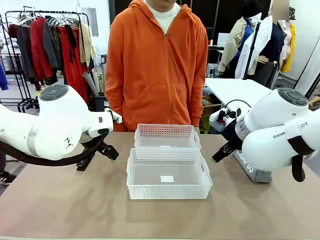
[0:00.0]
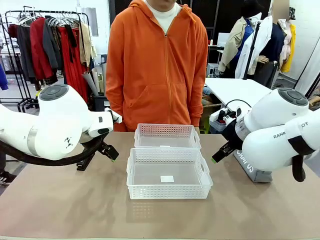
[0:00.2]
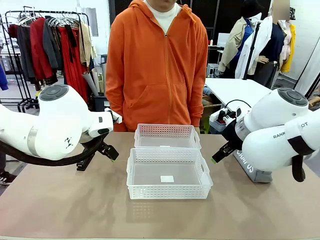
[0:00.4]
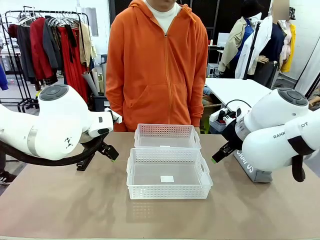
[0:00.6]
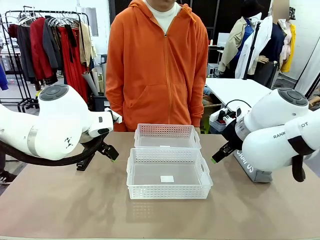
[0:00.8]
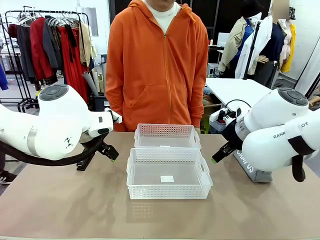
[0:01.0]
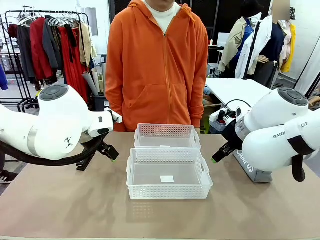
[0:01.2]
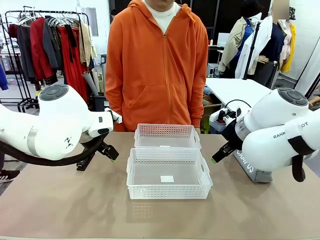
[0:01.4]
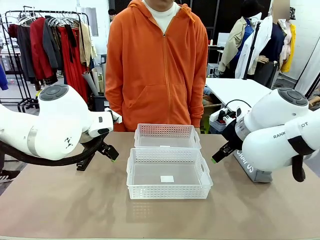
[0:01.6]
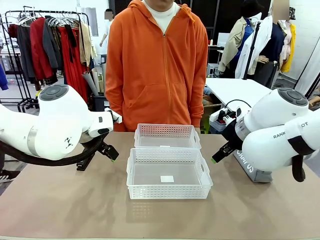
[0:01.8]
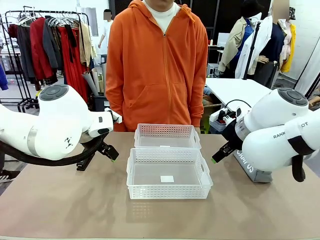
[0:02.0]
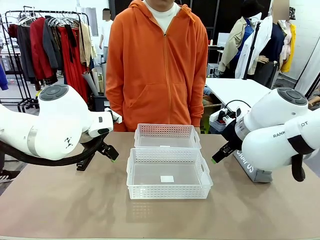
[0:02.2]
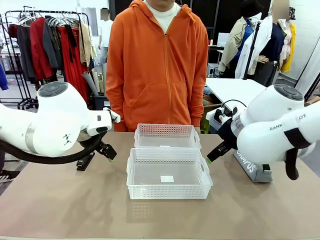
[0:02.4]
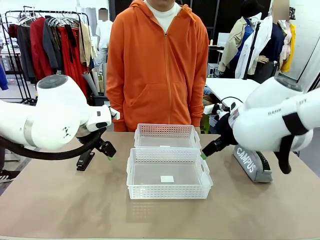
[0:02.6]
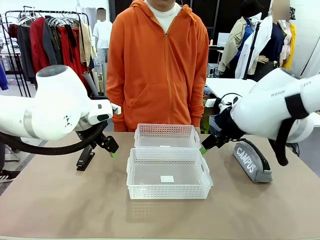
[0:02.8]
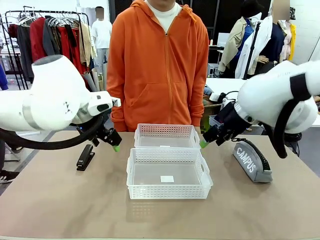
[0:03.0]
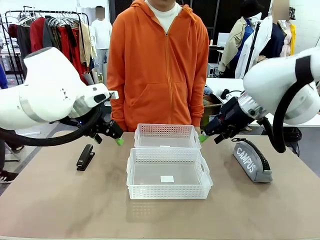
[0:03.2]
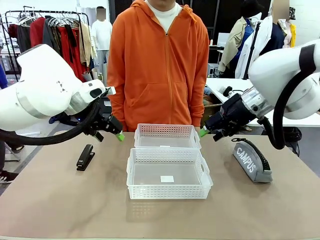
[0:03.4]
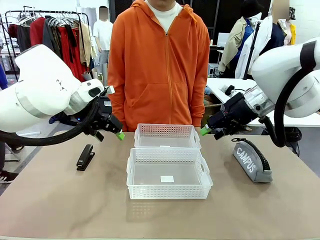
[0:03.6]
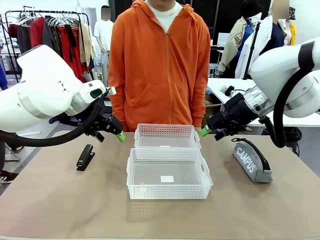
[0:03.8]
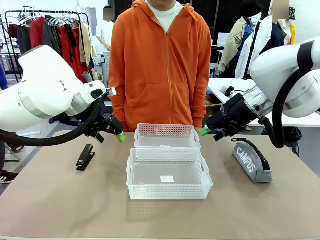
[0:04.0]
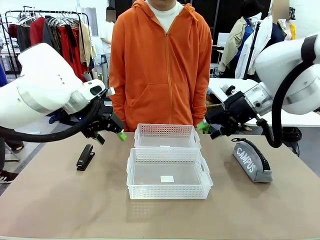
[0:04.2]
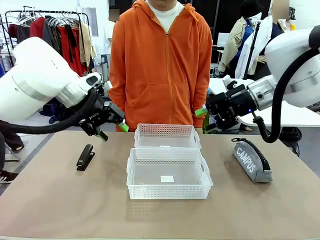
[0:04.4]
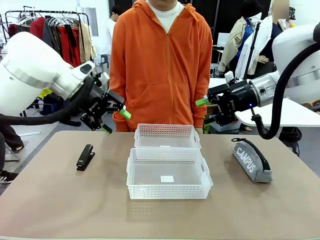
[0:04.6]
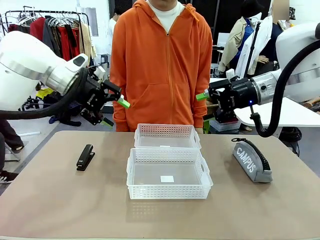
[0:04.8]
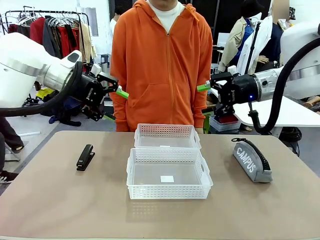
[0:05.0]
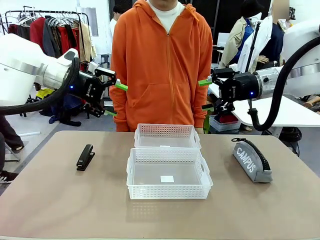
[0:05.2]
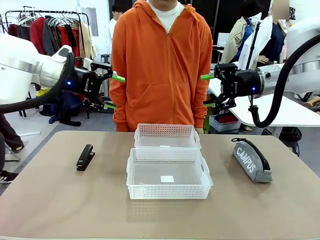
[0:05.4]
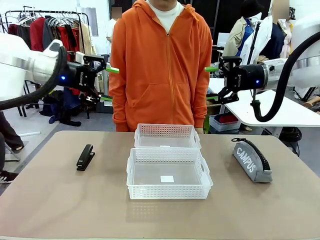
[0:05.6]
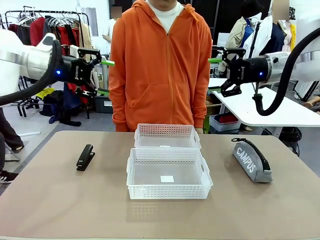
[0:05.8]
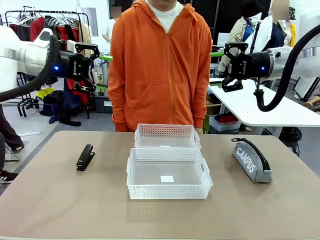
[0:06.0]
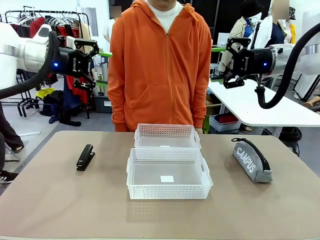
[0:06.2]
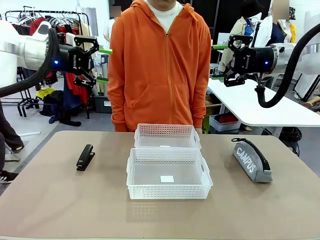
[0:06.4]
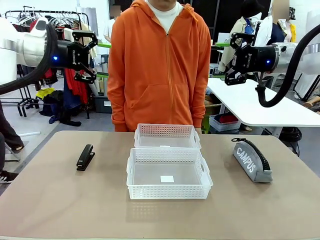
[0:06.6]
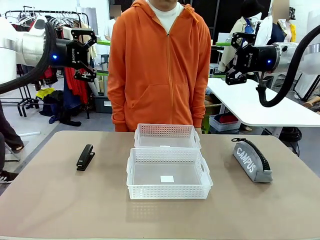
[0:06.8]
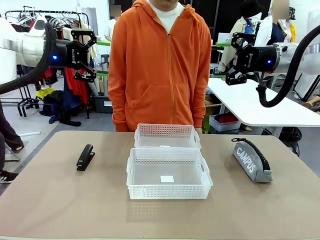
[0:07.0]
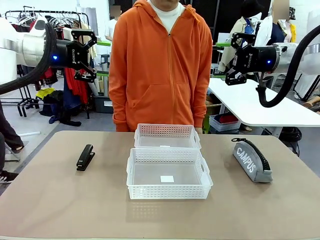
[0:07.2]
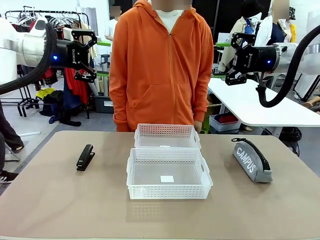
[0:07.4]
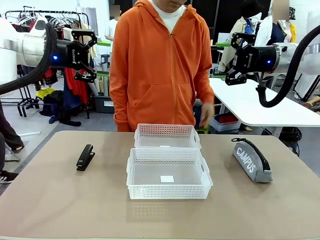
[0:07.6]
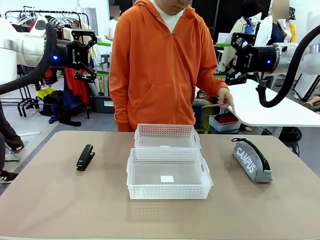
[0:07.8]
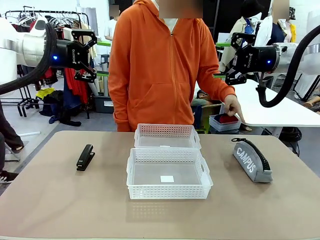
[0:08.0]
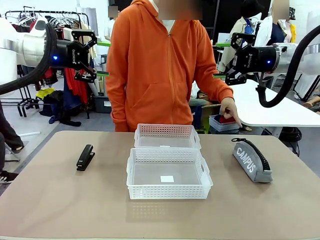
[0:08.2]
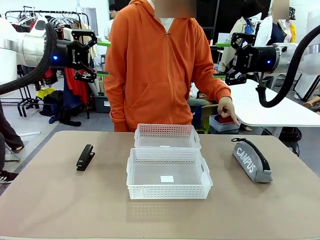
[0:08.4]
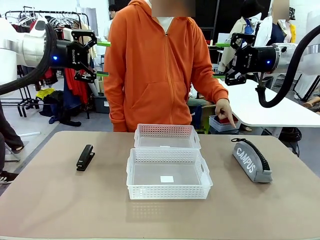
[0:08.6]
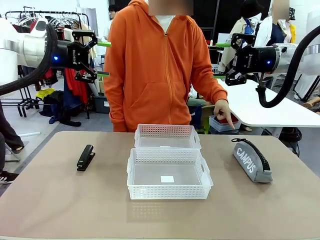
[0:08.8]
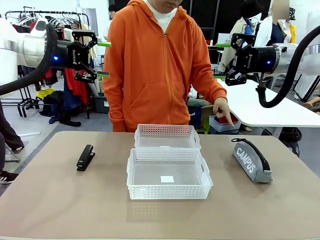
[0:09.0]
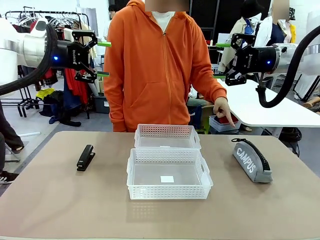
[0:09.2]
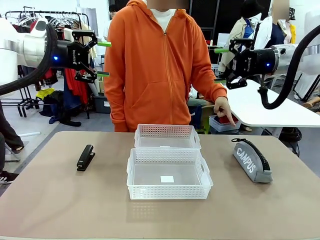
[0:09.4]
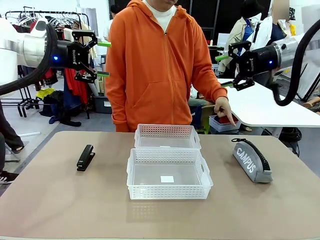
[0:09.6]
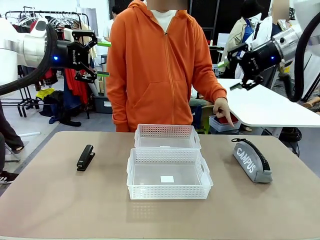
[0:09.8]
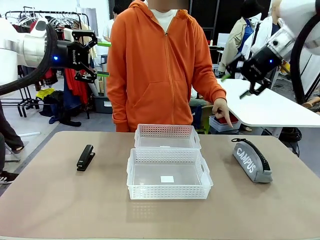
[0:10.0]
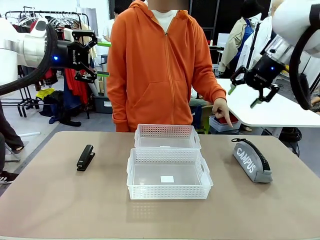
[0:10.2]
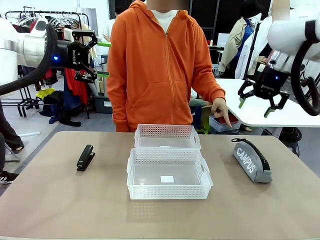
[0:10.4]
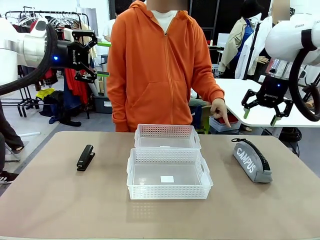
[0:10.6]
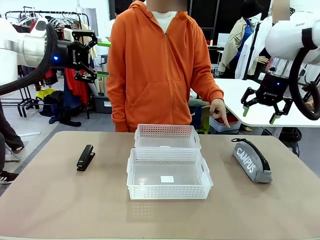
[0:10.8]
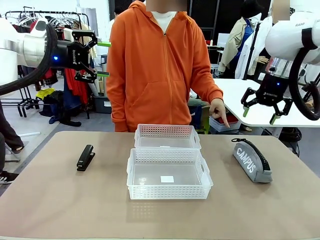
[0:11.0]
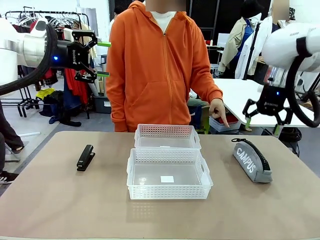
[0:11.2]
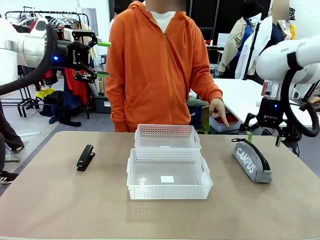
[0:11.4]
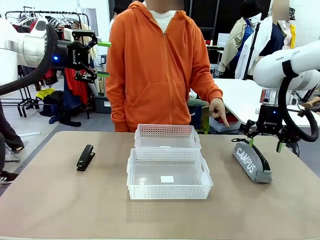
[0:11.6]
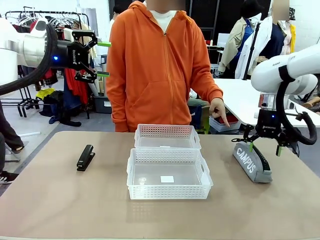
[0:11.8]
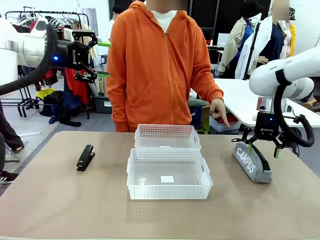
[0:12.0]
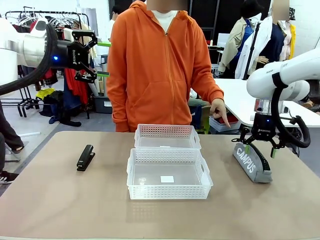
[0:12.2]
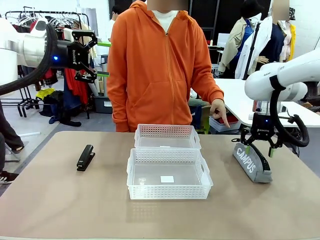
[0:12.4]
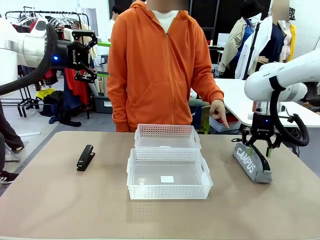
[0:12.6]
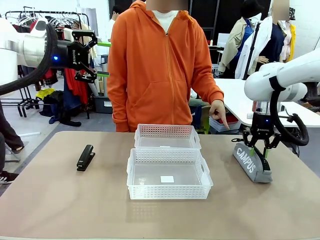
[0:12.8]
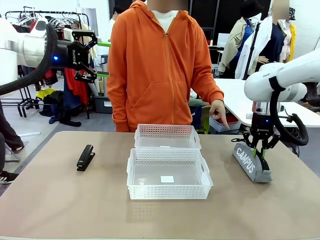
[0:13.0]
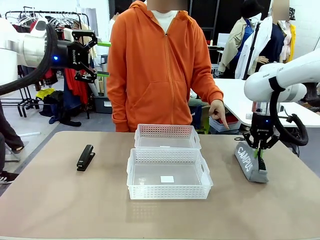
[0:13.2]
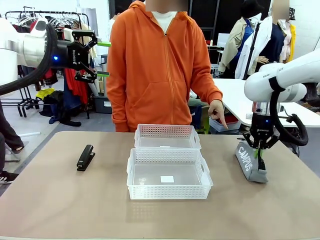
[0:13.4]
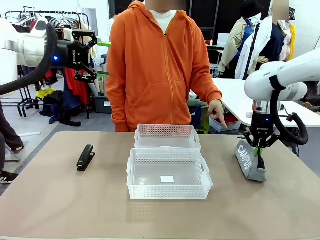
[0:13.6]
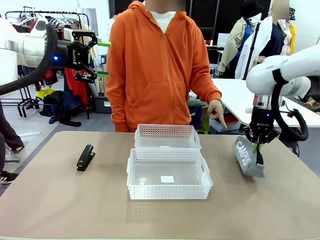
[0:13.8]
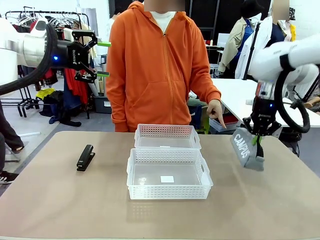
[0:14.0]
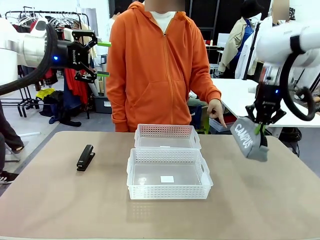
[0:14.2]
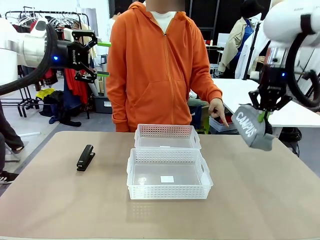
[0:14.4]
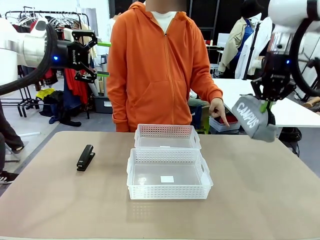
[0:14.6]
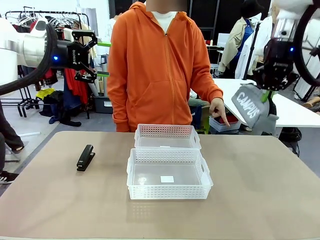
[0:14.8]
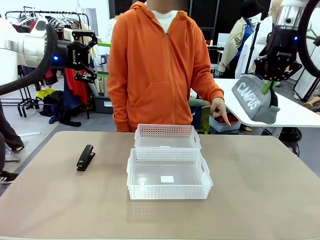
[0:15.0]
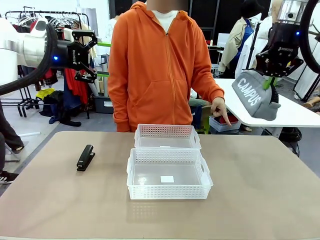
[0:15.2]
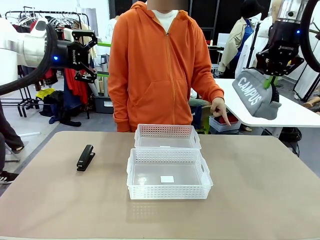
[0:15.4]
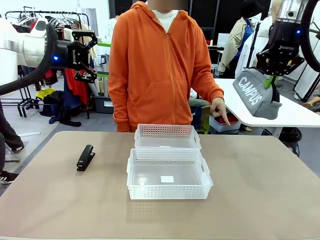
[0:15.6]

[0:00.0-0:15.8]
Task: Distribute items into two baskets.
Robot: Pick up the Pencil pouch that the person points to.
Person: Points to the pencil case. Points between the two organizing baskets and instructs the robot to move the pencil case.

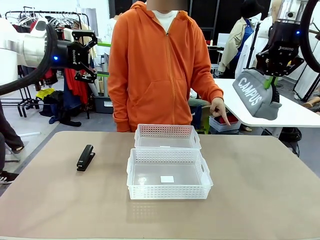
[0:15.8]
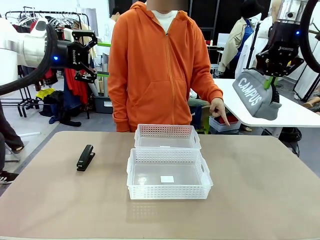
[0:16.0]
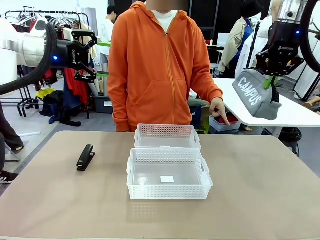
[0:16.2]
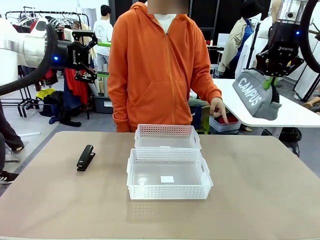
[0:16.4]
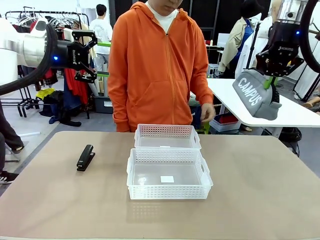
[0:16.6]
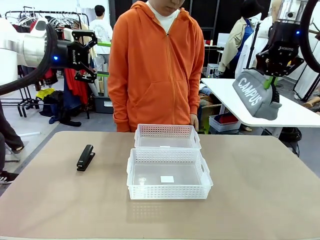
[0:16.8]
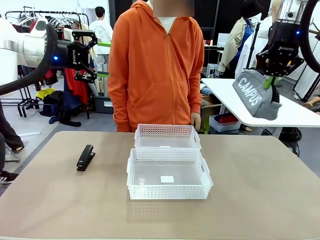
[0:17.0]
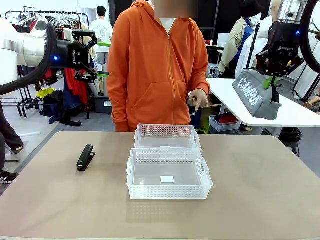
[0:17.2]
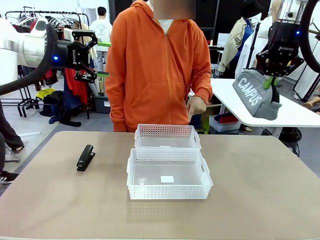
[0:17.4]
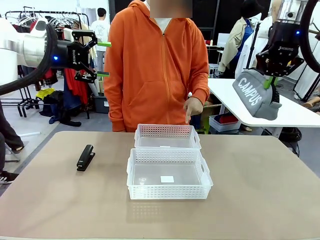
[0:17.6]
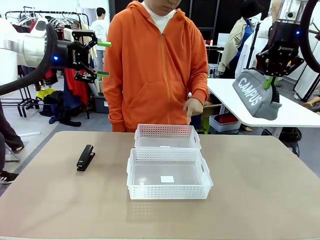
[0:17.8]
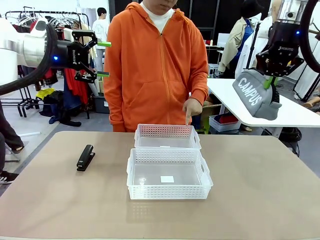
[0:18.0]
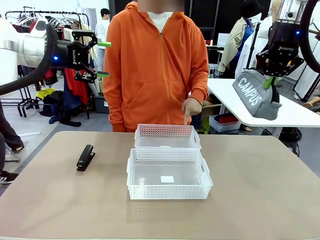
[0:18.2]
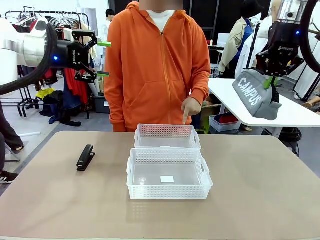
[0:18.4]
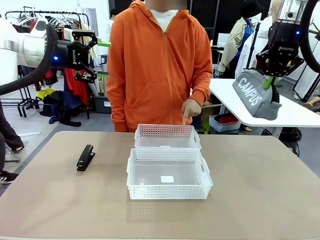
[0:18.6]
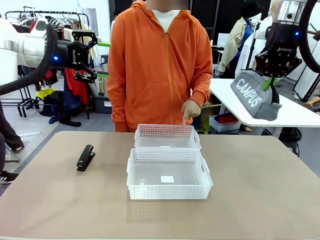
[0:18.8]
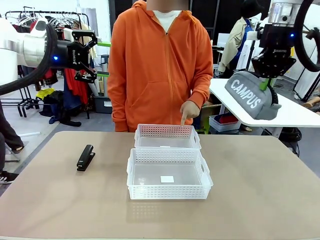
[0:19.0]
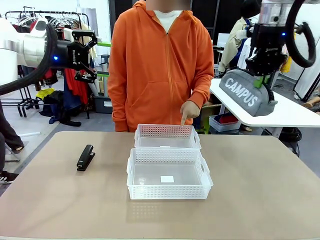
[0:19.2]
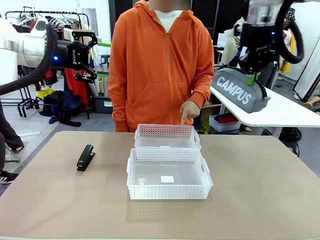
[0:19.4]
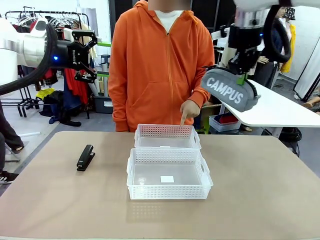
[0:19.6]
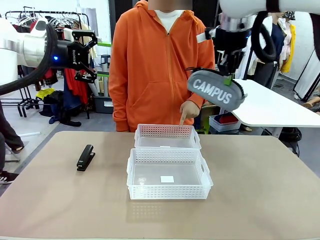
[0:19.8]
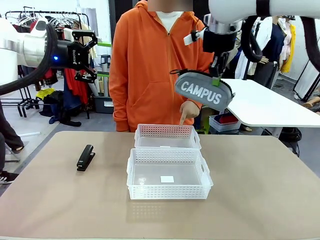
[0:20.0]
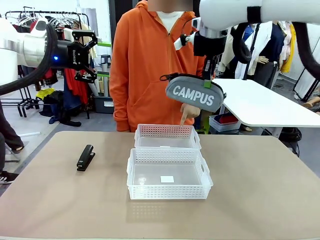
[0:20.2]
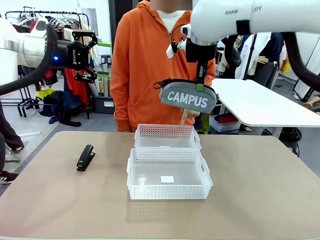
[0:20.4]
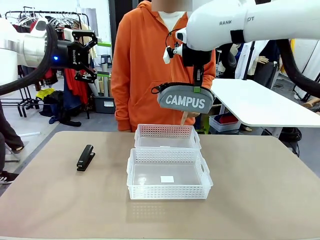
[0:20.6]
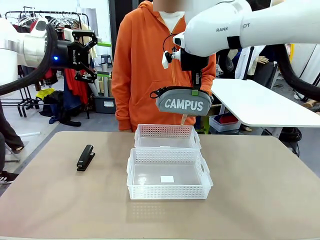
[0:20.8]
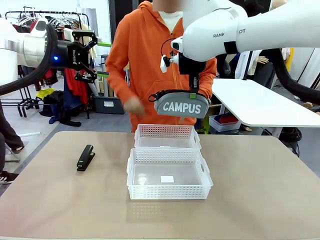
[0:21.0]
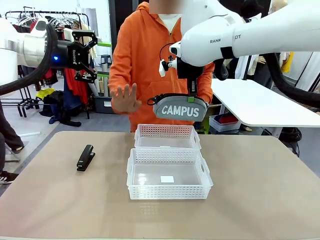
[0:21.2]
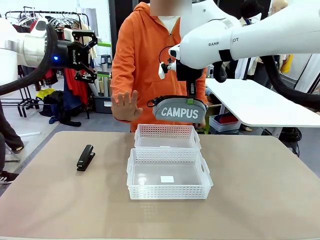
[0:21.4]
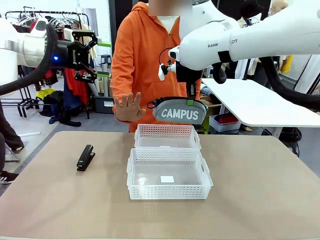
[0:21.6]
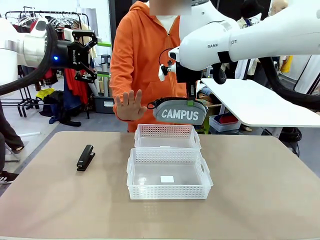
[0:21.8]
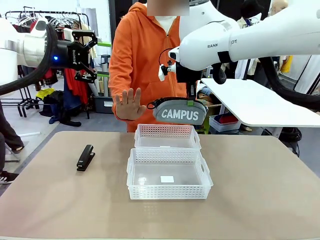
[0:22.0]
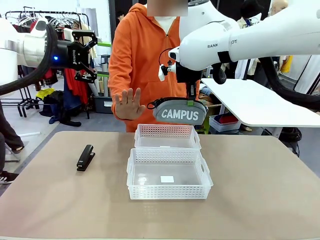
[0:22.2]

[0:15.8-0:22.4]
Robot: Move the picked Pencil pouch towards the Organizing basket indicated by the person, stopping as directed.
Person: Sends a stop gesture before the robot places the pencil case into the basket.
